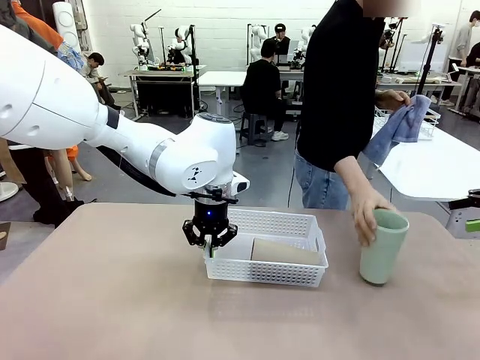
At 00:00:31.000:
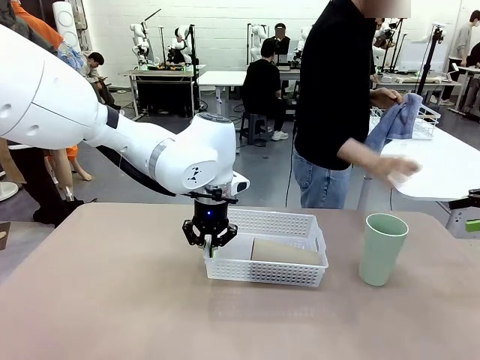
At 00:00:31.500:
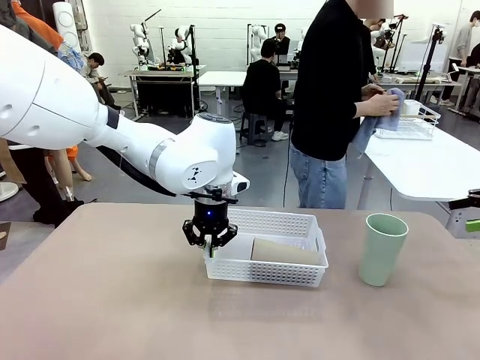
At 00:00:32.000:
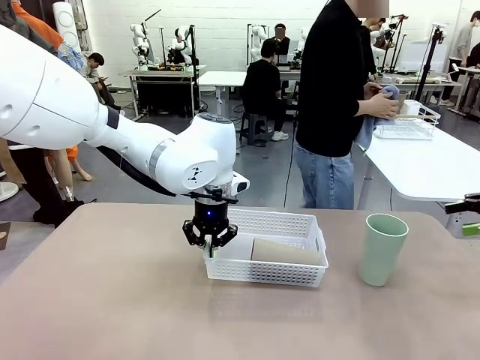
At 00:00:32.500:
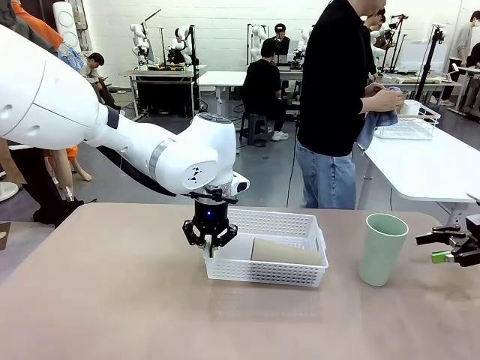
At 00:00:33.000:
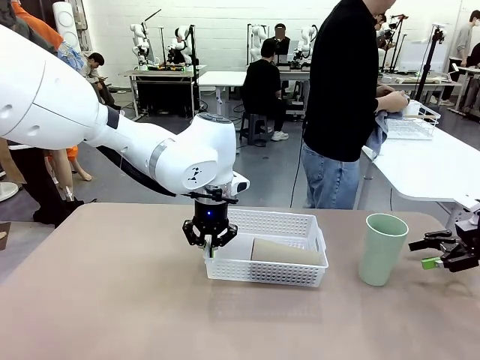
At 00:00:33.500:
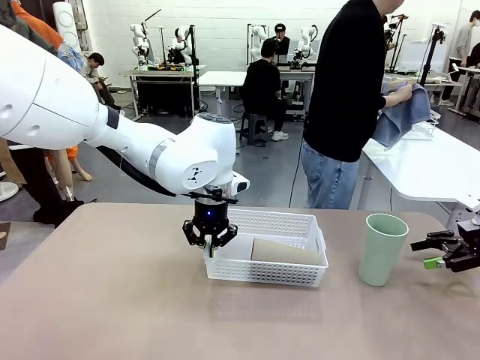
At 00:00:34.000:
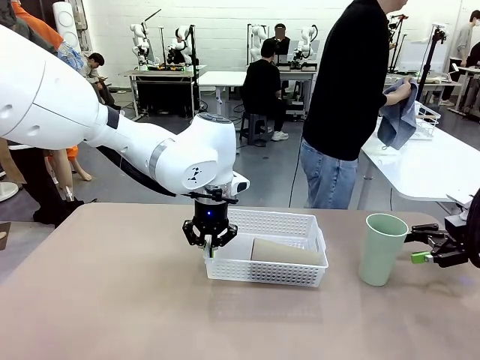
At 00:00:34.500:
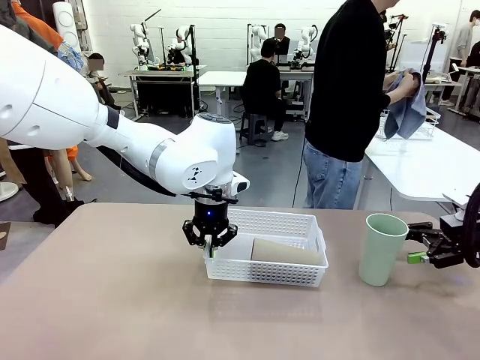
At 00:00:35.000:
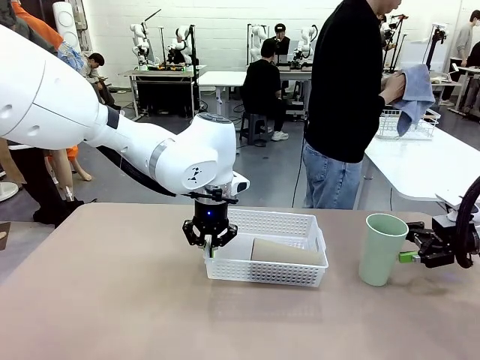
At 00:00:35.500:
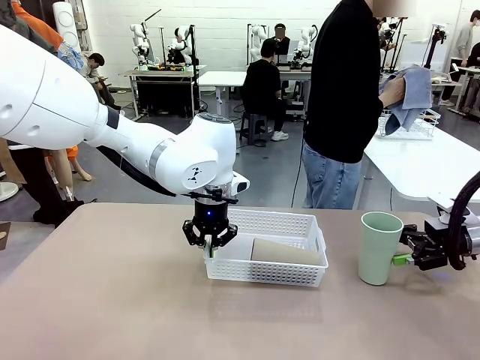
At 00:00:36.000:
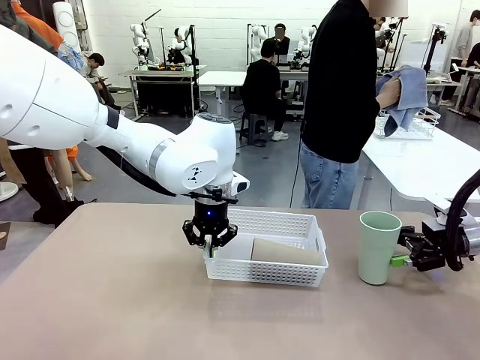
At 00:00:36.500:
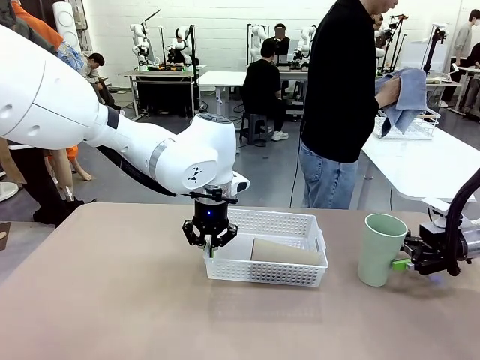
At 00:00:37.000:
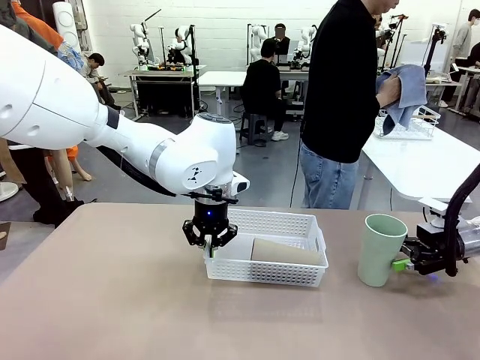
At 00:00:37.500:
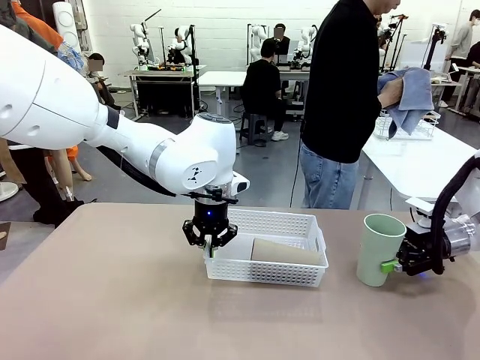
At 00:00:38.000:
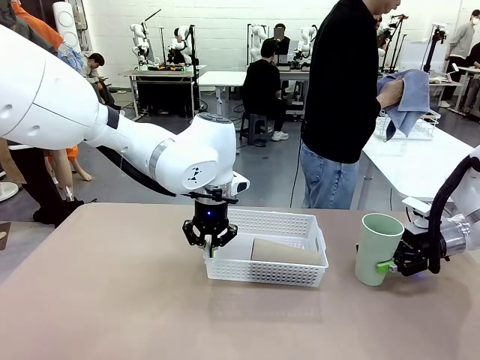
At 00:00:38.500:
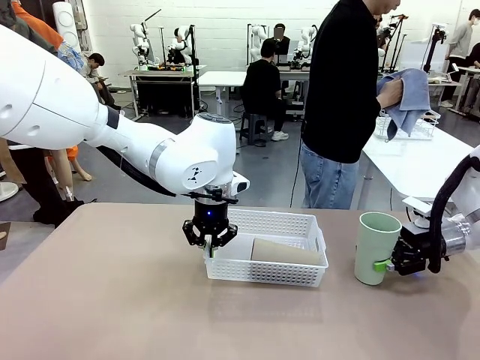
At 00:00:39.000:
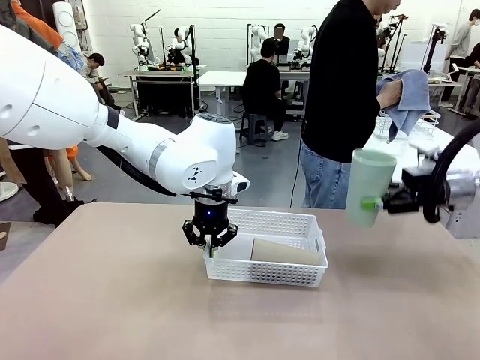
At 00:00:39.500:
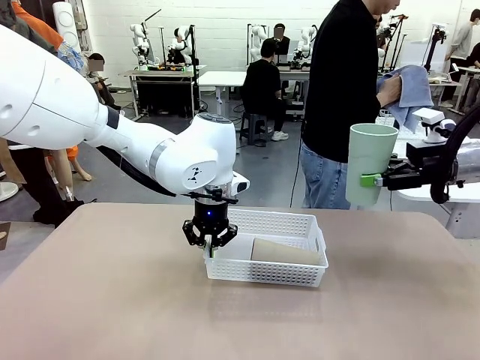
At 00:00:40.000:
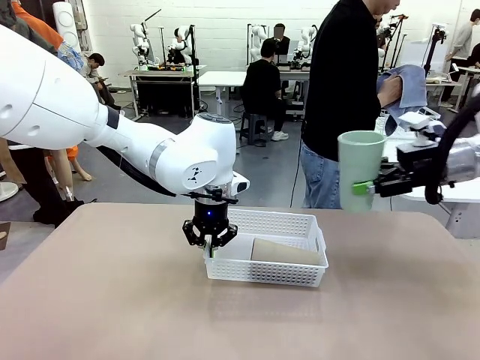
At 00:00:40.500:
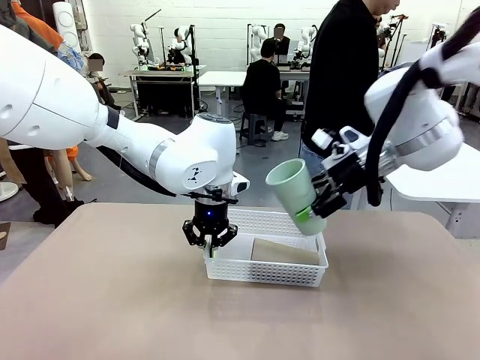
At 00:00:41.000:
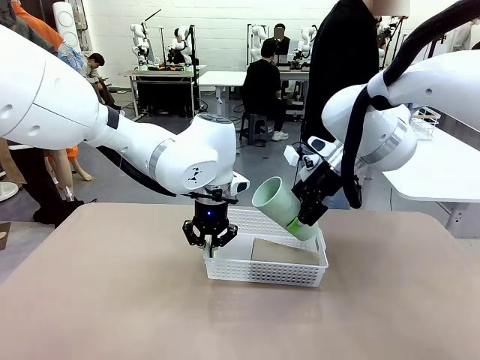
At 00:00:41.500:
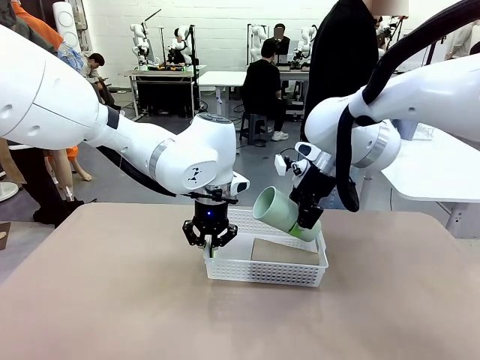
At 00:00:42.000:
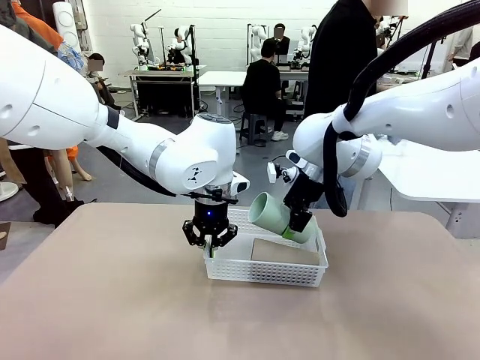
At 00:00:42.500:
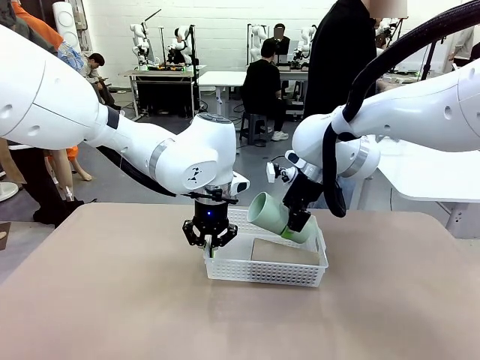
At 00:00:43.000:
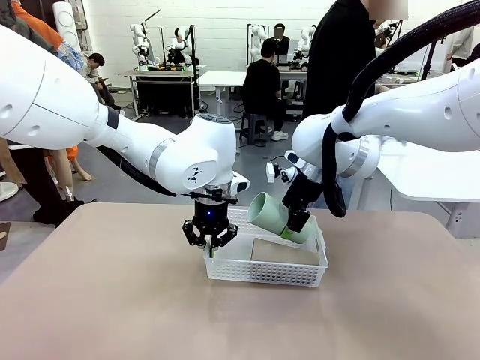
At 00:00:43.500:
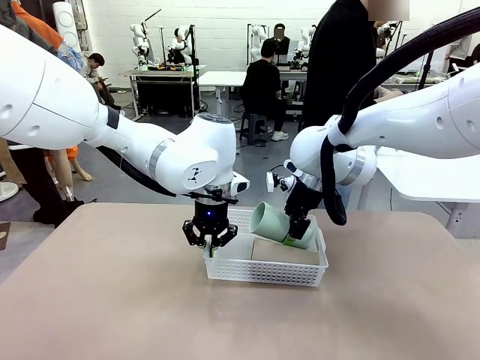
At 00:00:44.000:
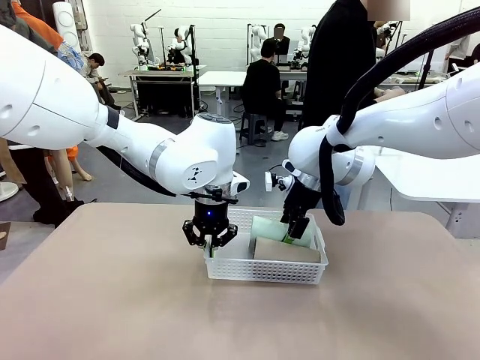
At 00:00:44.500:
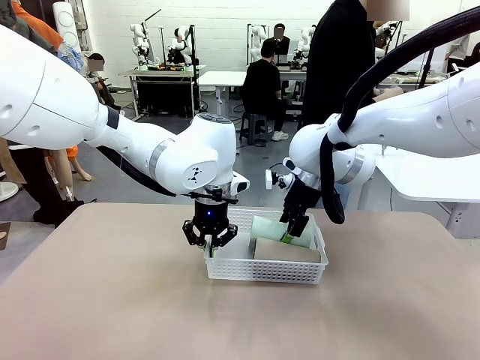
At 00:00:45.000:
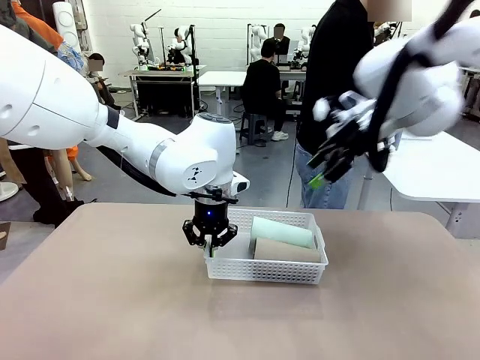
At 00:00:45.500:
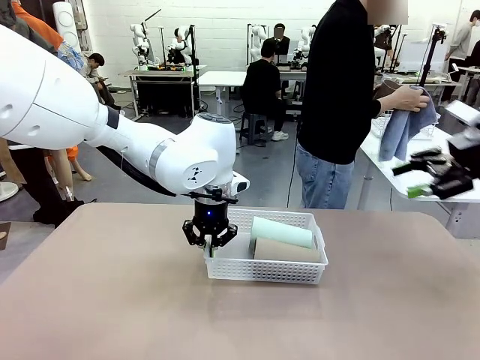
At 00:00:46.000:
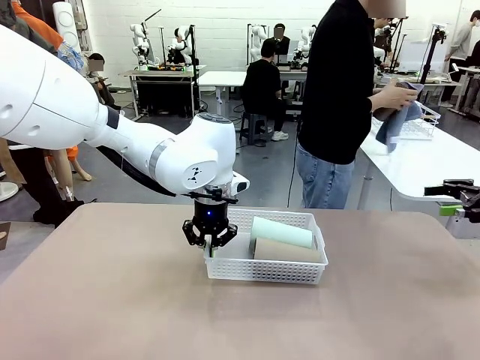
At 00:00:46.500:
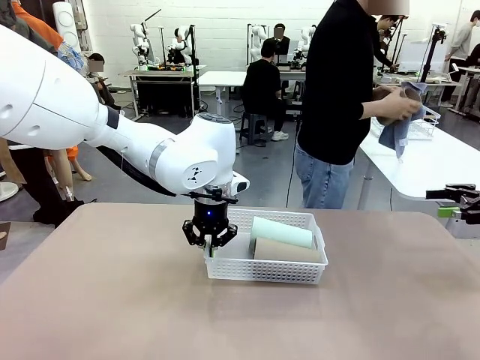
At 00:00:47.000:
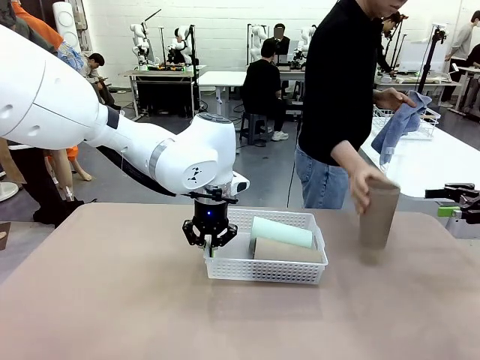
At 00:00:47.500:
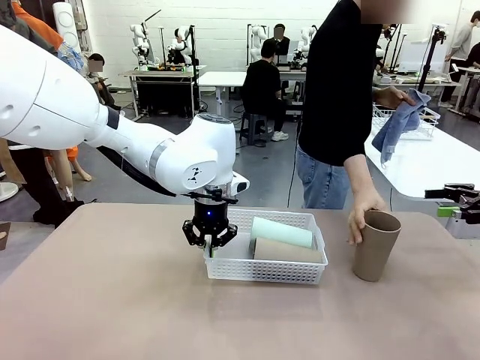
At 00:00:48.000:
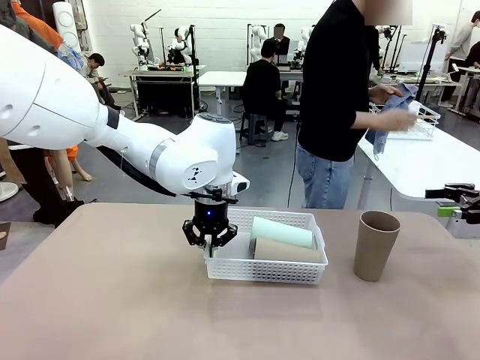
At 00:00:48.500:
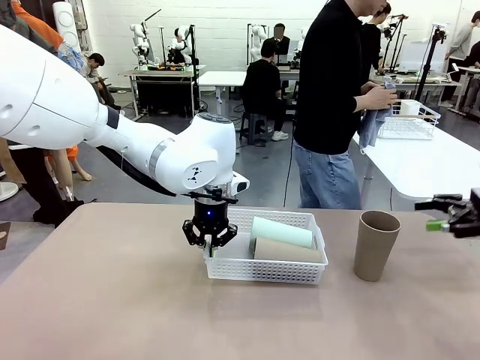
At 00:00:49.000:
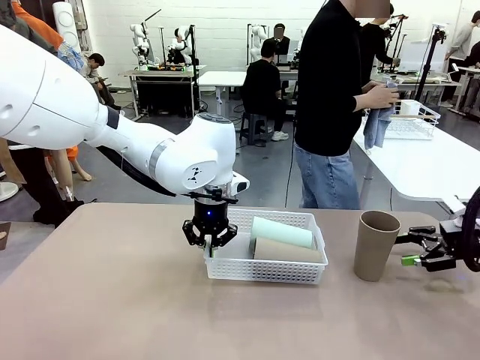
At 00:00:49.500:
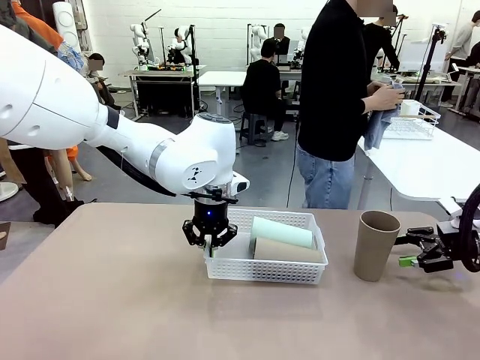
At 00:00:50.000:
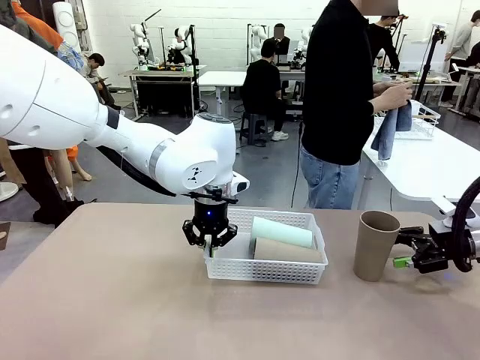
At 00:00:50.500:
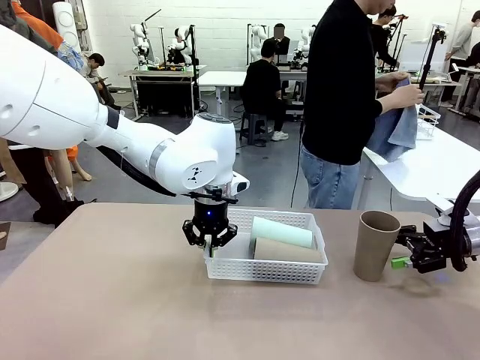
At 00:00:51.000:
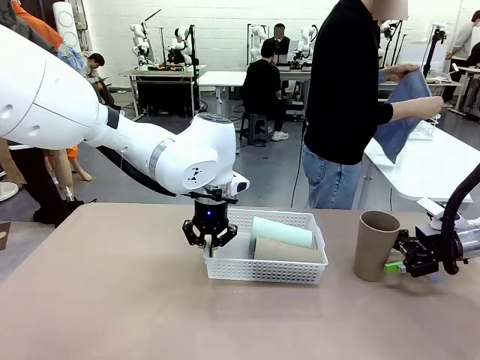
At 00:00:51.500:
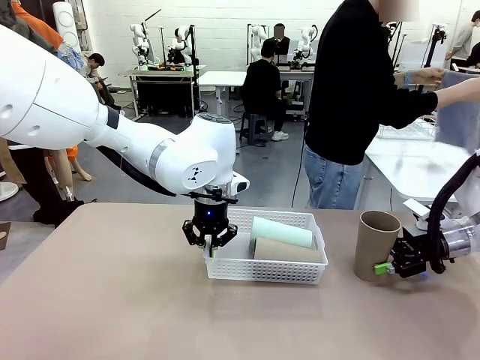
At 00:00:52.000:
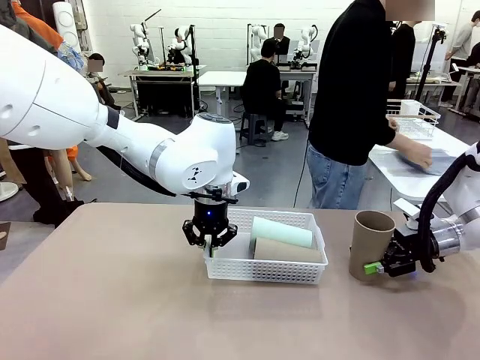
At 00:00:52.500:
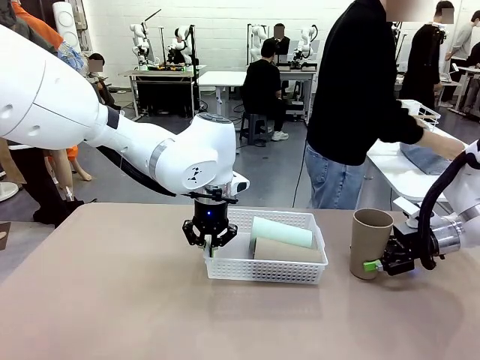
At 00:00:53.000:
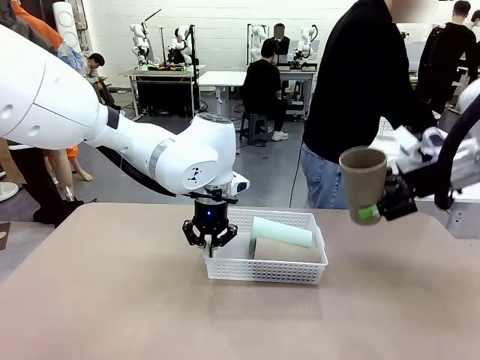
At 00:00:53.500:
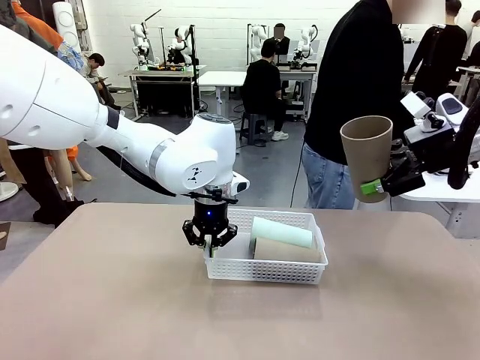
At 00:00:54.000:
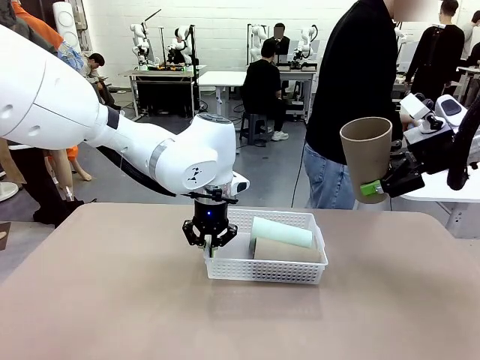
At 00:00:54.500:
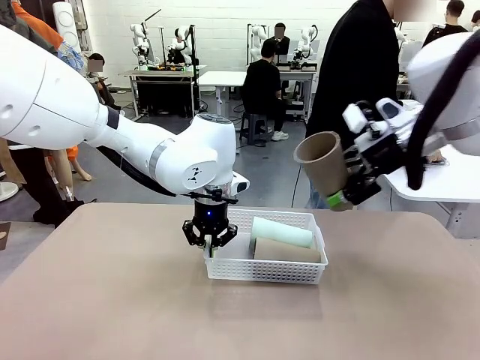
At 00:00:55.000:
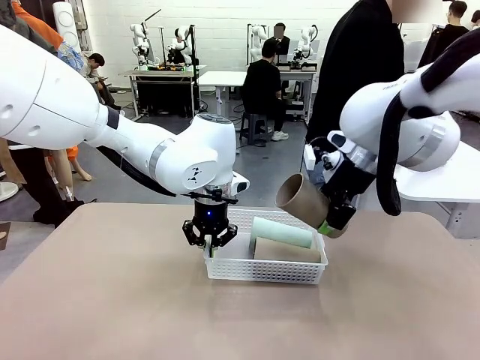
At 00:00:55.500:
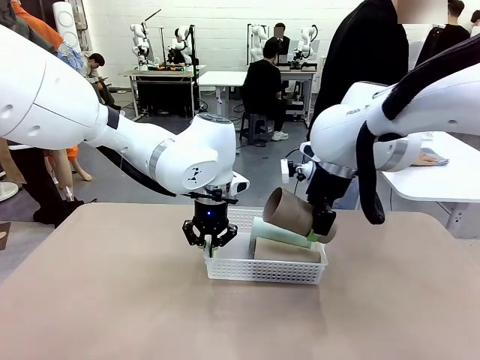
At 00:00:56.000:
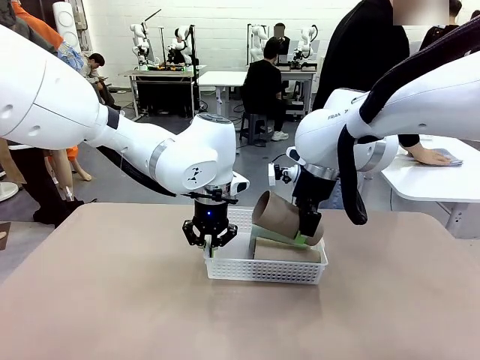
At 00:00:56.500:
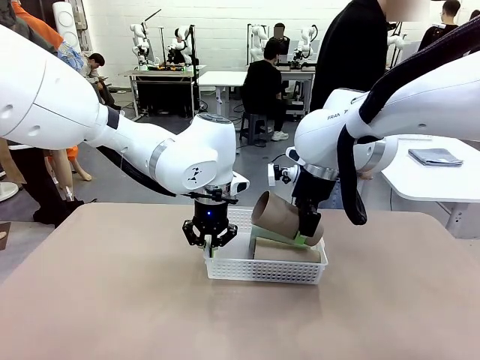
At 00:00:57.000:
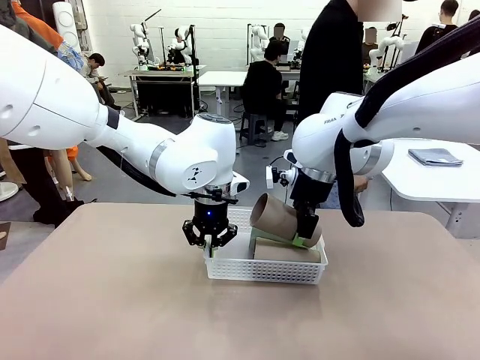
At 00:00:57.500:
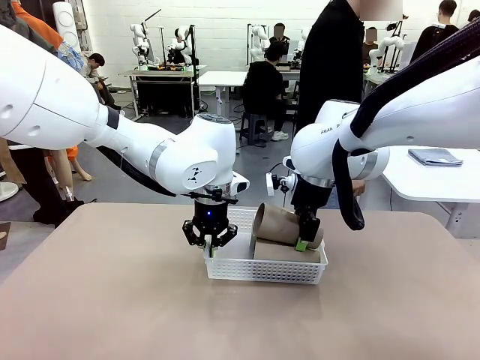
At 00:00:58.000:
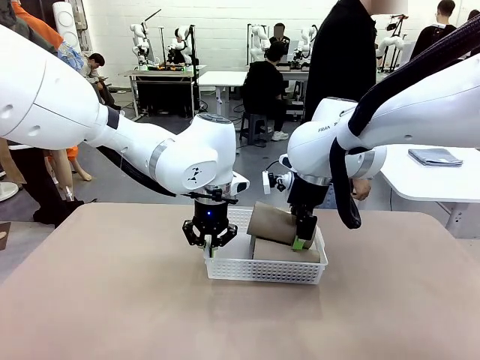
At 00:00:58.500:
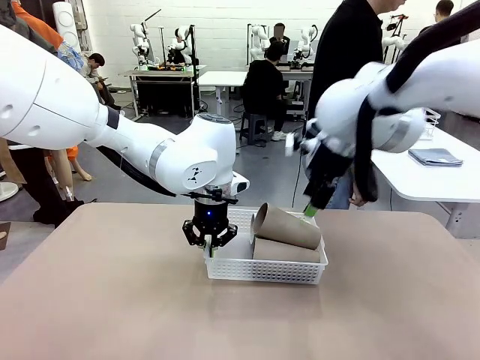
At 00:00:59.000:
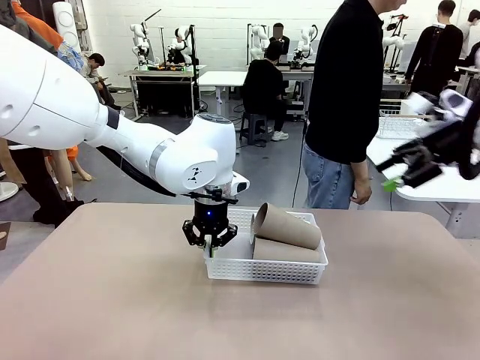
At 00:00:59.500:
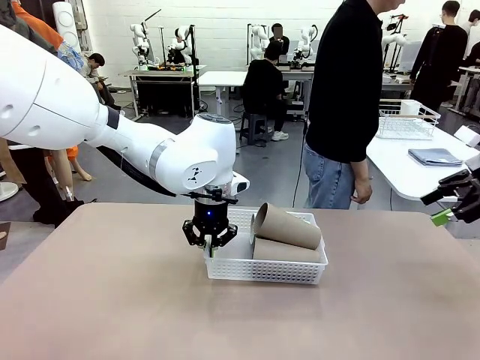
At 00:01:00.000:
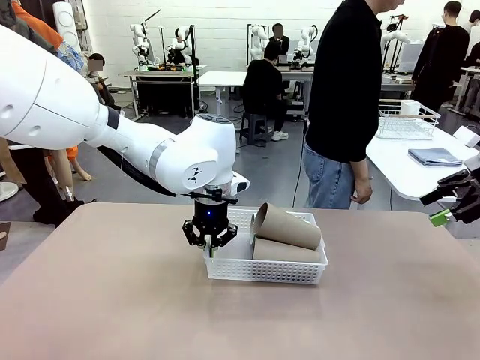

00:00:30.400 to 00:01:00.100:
Task: Clean and organize the cups into the basket.
Robot: Pick up the Reusable plastic cup from the right side of the table and stack it inside the Organizing basket in the center of the table.
